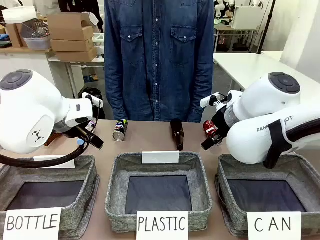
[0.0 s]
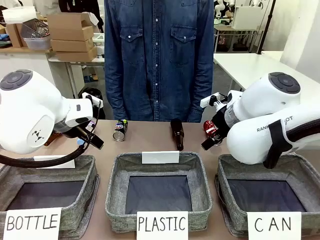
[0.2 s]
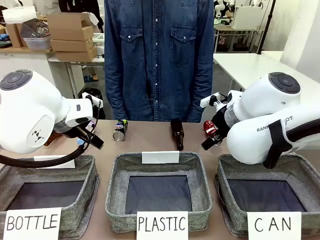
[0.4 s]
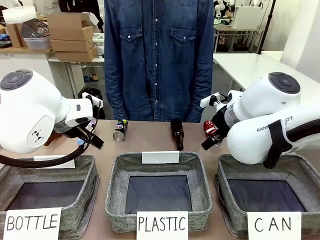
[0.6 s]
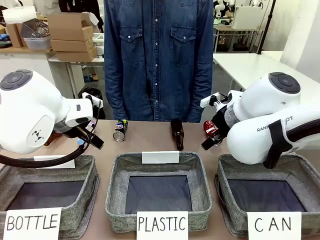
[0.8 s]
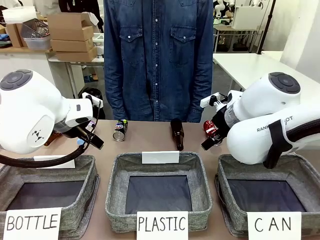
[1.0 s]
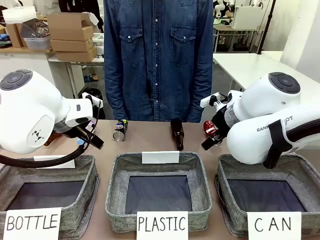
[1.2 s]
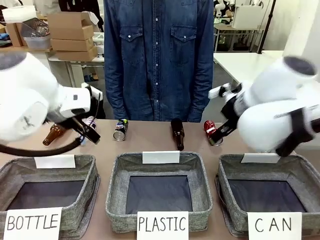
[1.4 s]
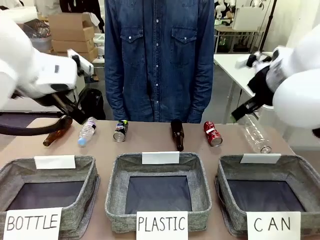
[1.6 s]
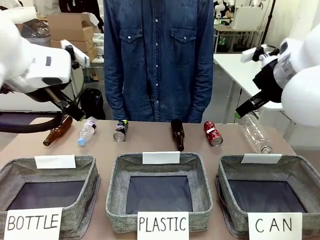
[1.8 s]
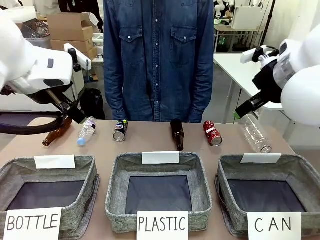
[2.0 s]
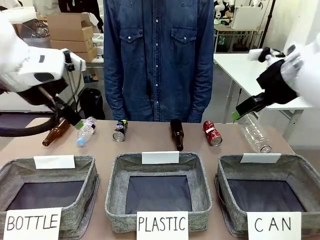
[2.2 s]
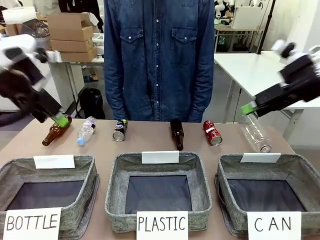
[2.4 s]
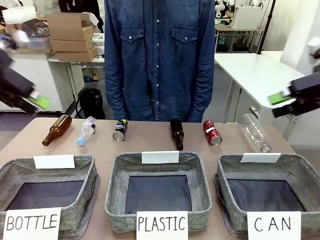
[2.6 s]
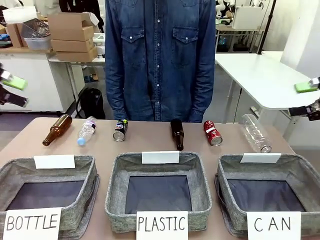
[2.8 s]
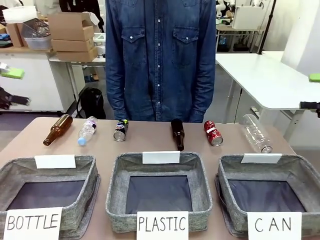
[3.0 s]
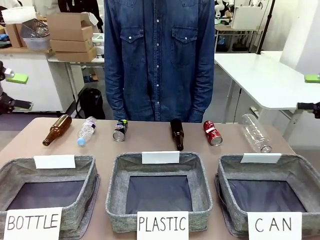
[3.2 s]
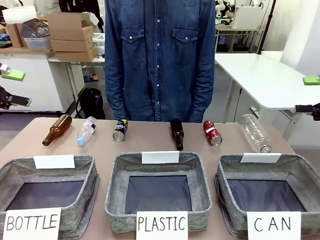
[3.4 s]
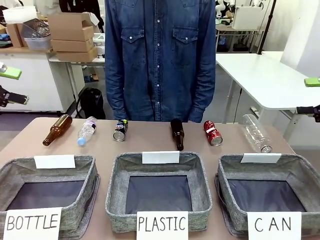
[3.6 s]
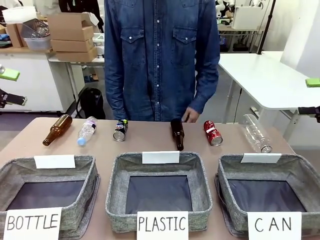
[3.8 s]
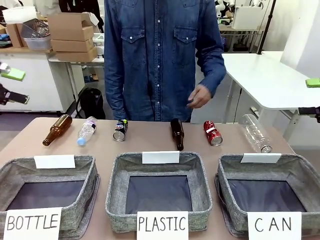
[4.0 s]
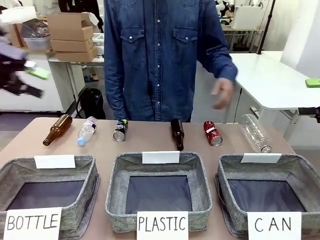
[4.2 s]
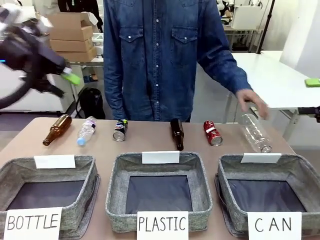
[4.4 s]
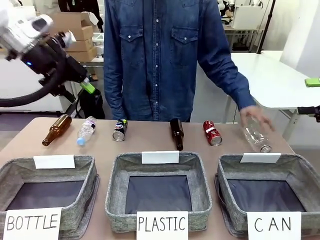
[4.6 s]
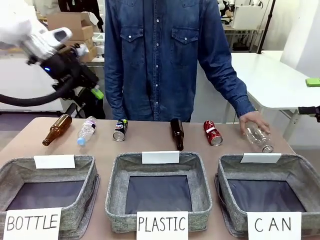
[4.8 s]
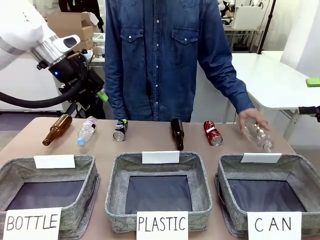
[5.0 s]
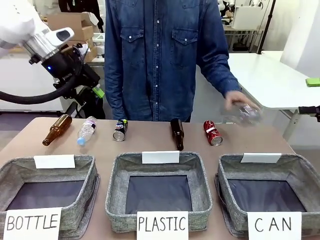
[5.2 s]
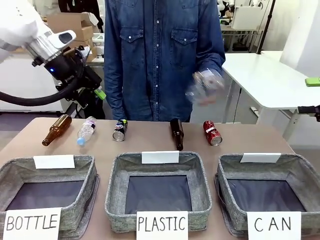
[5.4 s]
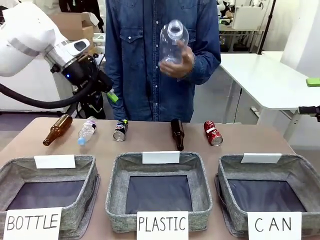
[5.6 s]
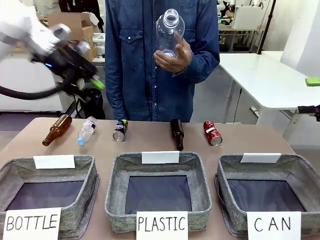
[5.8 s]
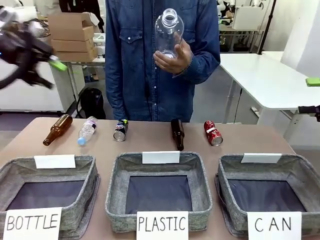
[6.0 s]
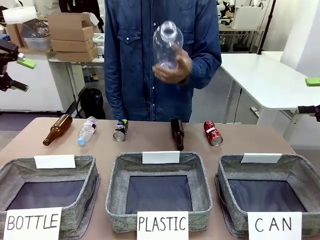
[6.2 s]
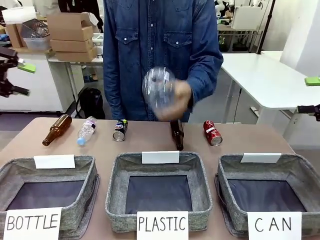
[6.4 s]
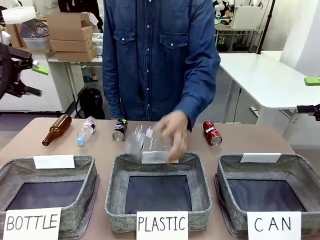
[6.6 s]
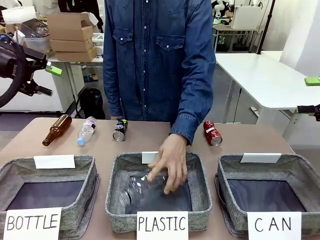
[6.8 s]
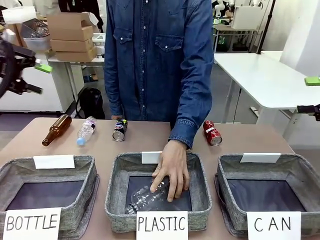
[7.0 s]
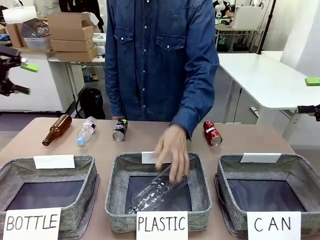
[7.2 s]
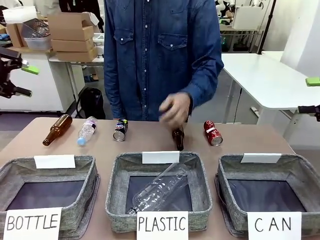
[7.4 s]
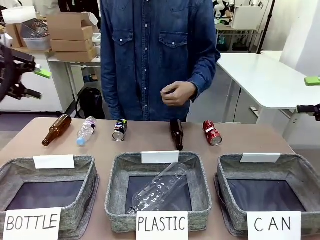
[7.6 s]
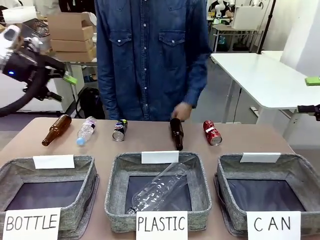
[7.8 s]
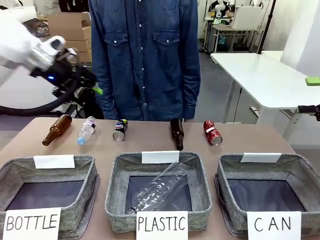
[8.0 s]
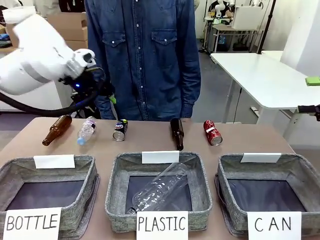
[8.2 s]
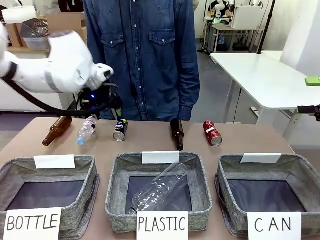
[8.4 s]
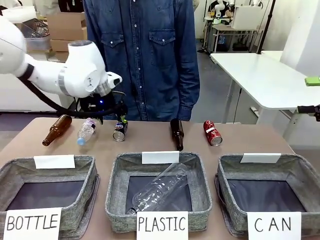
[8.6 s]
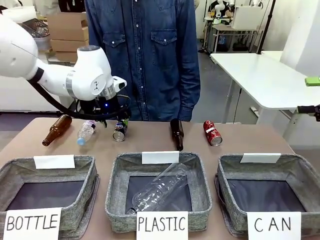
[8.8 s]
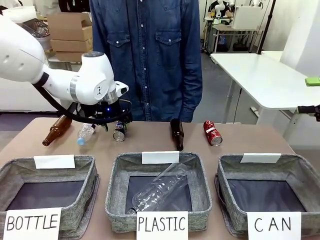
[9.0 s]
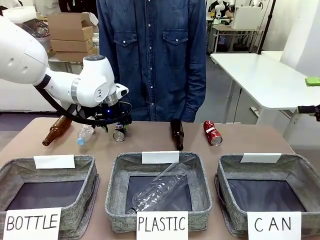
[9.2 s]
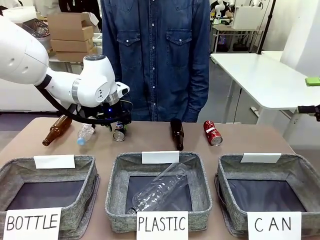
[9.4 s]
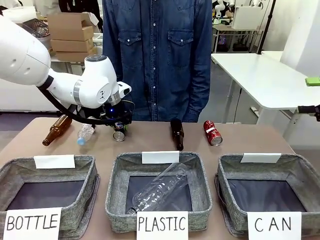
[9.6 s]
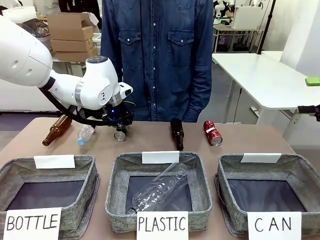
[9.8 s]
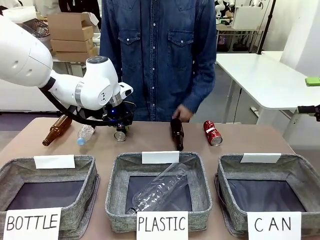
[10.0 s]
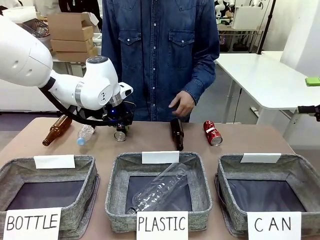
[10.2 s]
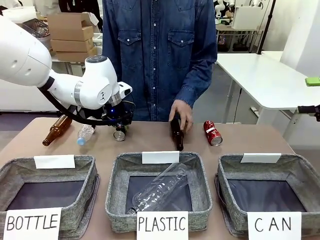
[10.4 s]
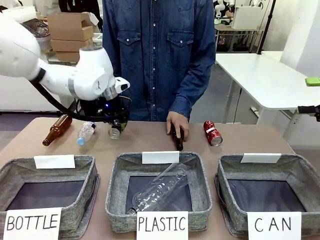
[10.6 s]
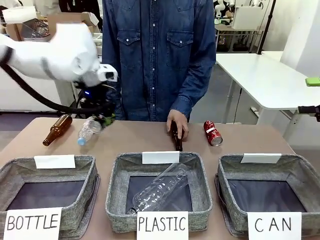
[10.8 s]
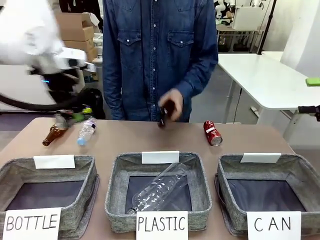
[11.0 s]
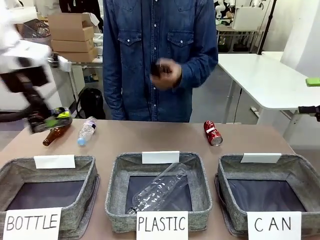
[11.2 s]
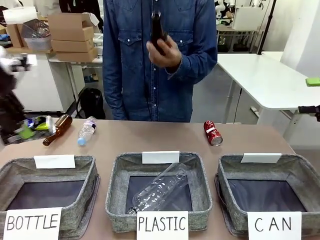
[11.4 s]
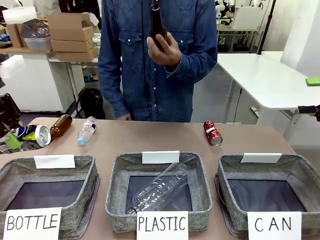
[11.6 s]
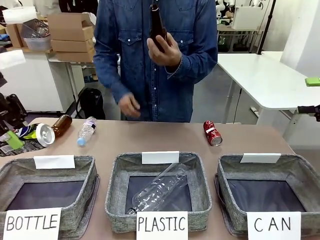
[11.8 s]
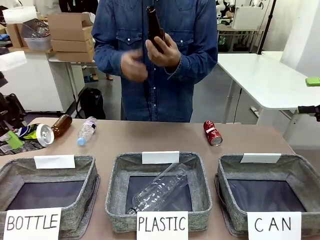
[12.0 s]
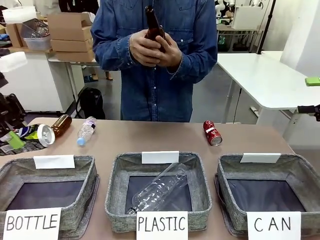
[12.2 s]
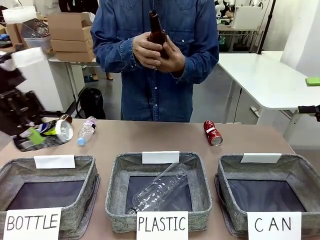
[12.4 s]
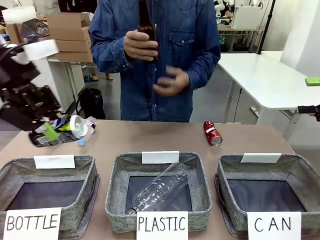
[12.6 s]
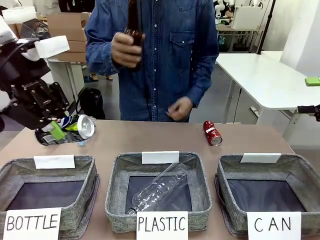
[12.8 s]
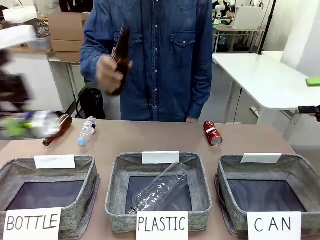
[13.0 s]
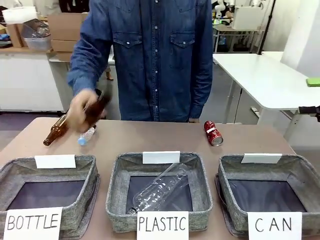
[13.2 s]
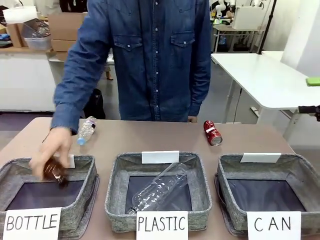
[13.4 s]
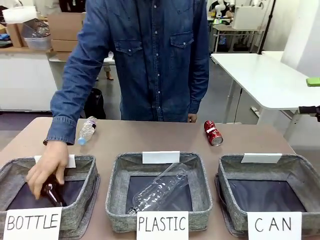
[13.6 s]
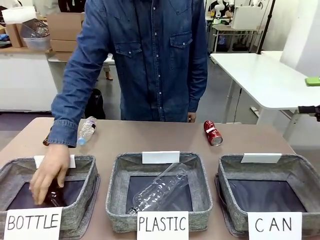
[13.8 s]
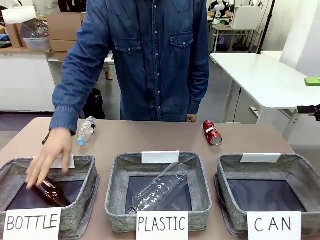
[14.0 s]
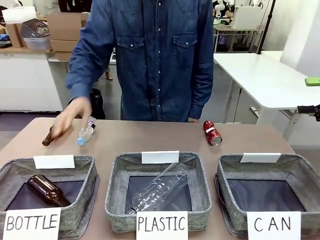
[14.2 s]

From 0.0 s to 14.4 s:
Task: Sort the can waste into the basket.
Robot: Pick up the can waste from the table and place it in the right Fabric basket.
